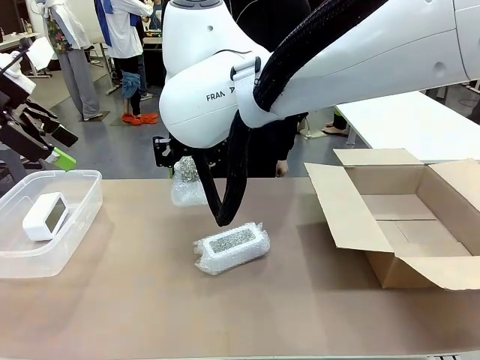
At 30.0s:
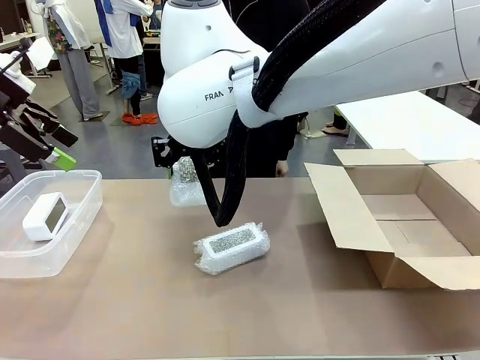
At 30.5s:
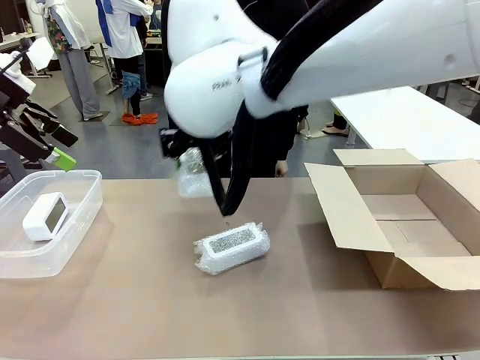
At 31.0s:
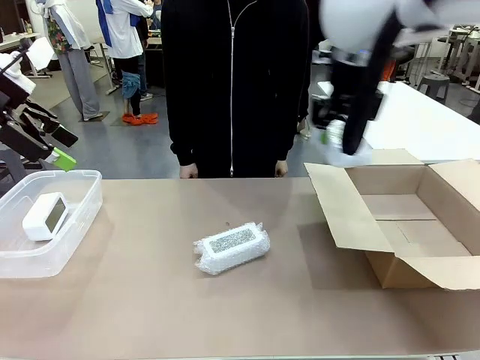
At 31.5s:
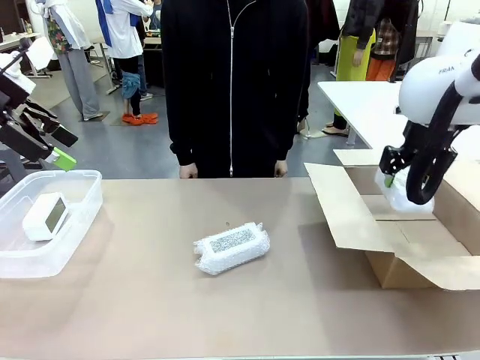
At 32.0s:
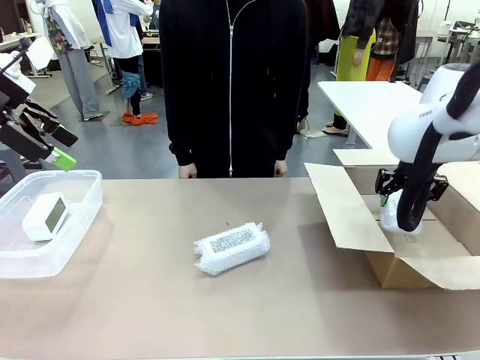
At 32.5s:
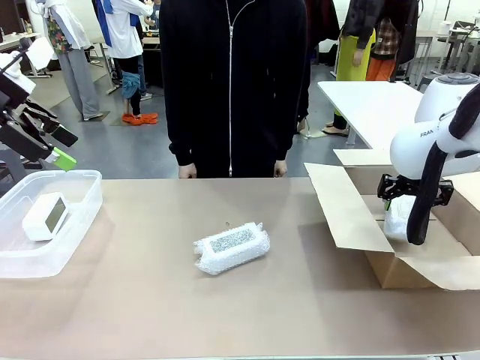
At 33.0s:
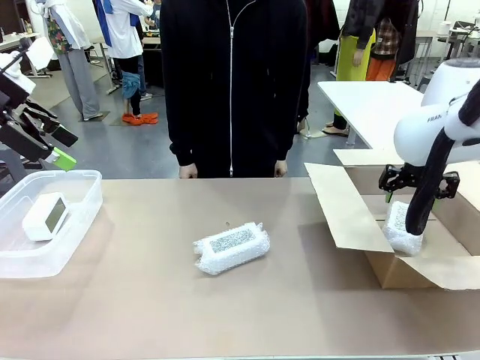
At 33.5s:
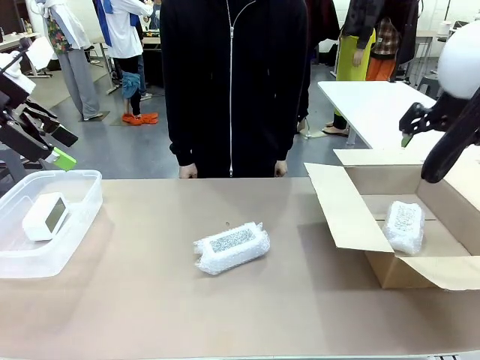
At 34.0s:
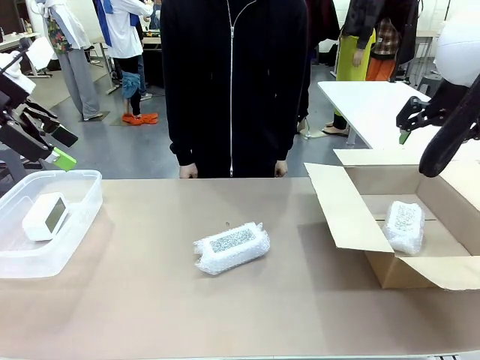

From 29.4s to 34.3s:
Task: Separate and place wrapped and unwrapped clocks.
Robot: If the picked Digital clock is wrapped, place it in the Package Box ; if not, place it in the Organizing box.

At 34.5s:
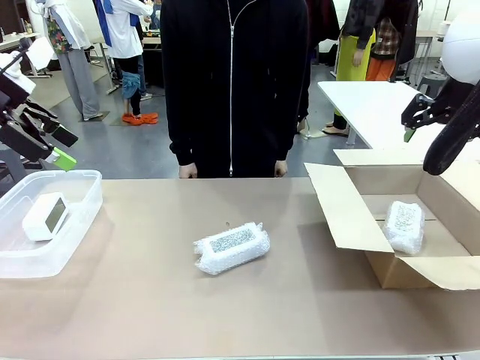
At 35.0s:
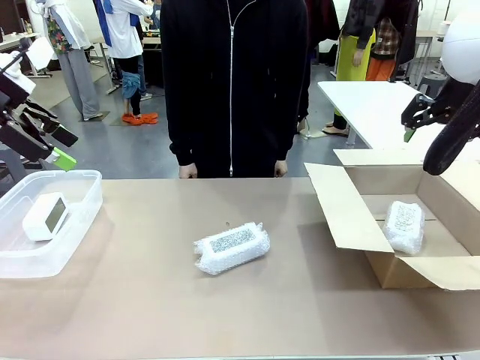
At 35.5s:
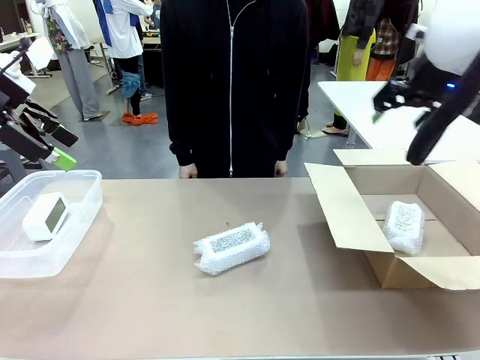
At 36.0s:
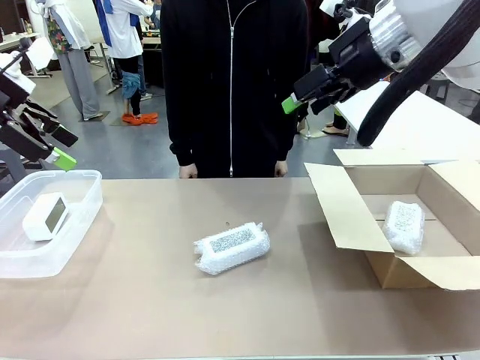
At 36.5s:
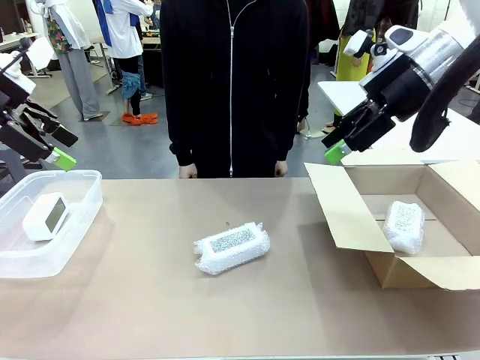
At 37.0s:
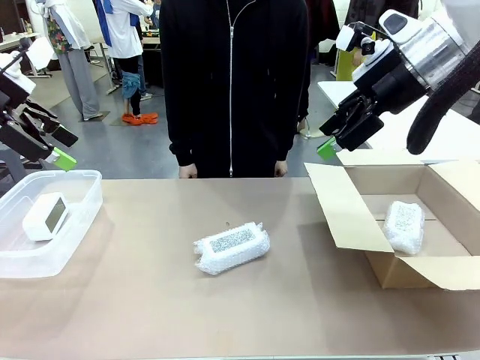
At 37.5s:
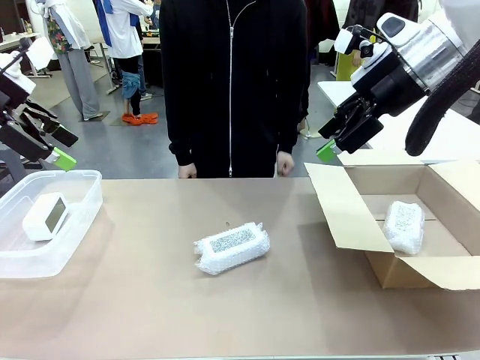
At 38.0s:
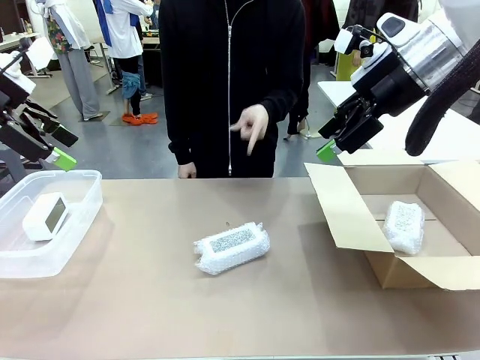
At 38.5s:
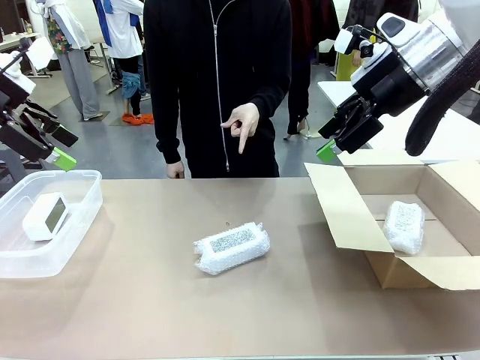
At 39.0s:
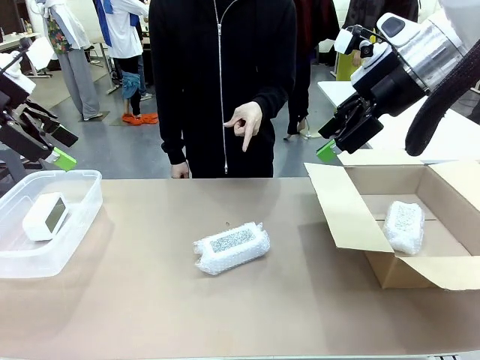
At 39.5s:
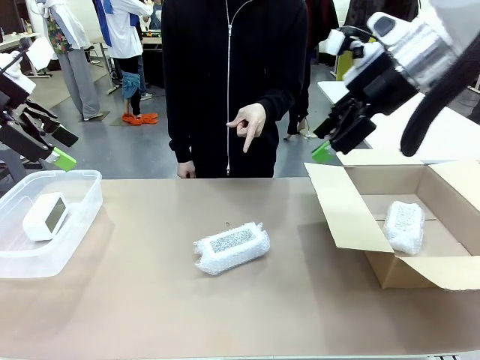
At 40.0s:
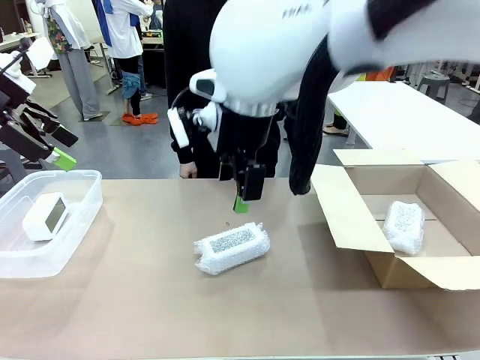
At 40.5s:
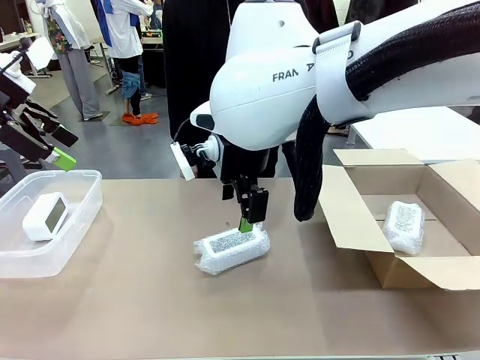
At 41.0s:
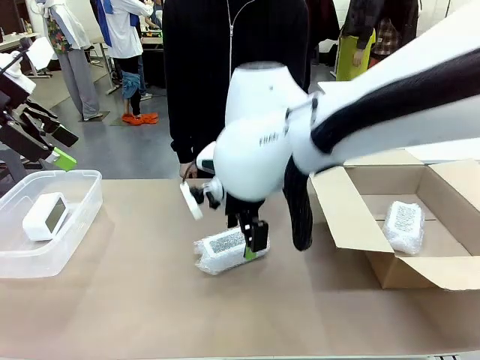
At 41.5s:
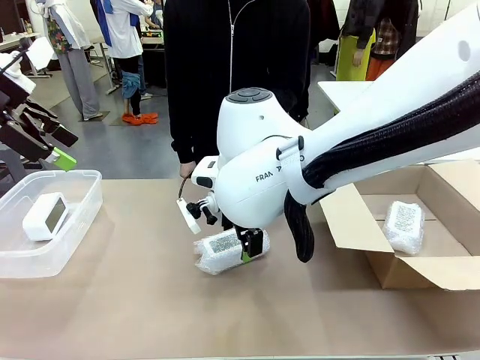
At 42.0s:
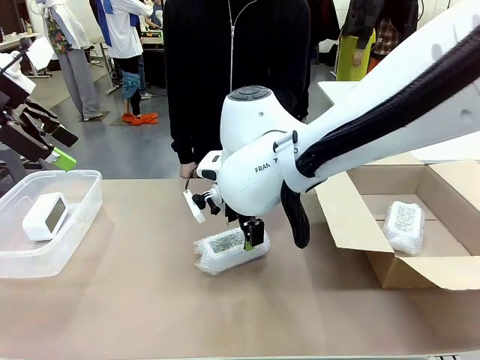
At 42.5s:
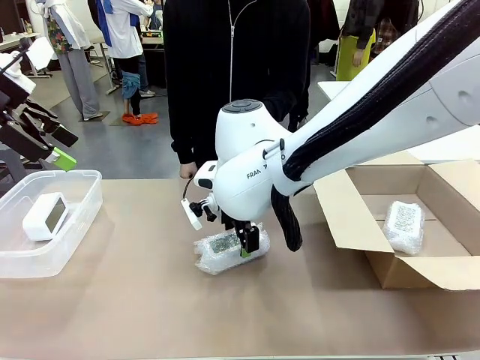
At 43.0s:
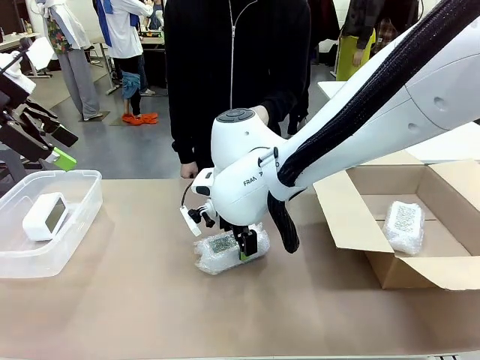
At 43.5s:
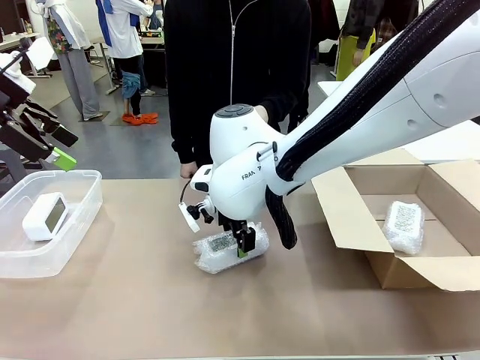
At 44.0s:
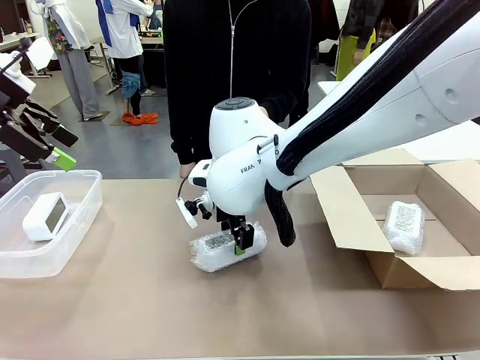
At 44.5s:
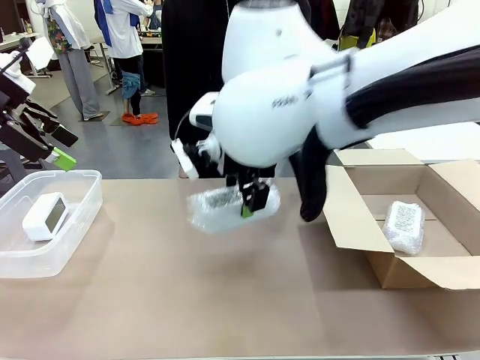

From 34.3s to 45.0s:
Robot: Pick up the Digital clock indicated by the person.

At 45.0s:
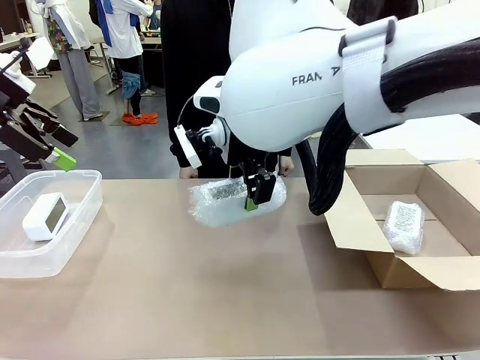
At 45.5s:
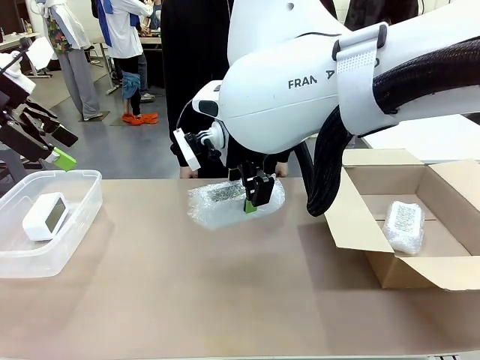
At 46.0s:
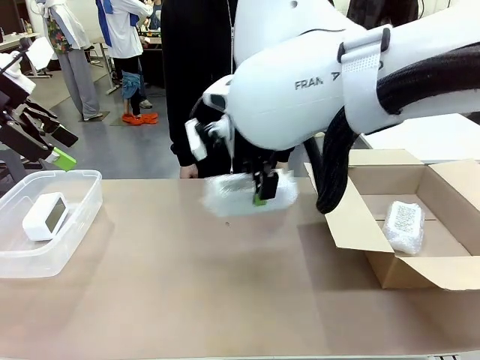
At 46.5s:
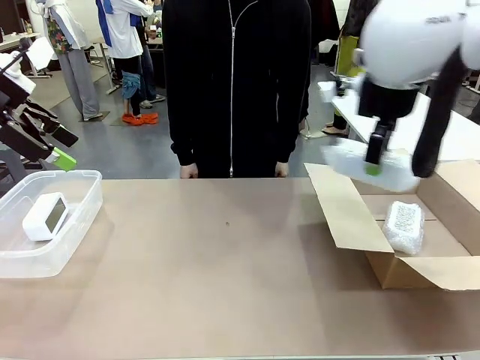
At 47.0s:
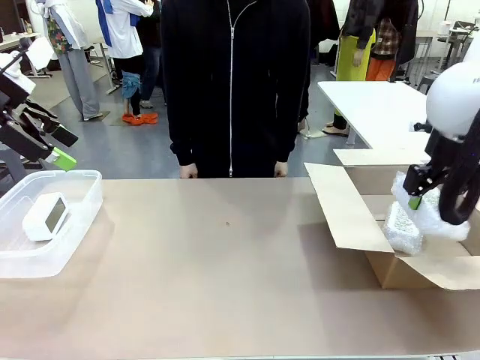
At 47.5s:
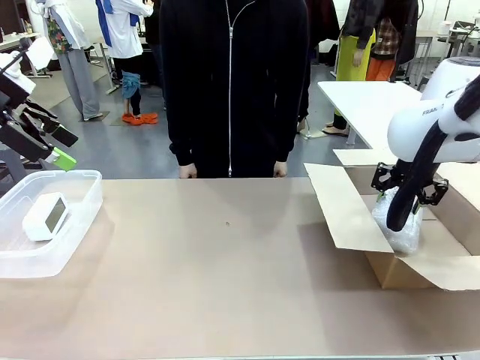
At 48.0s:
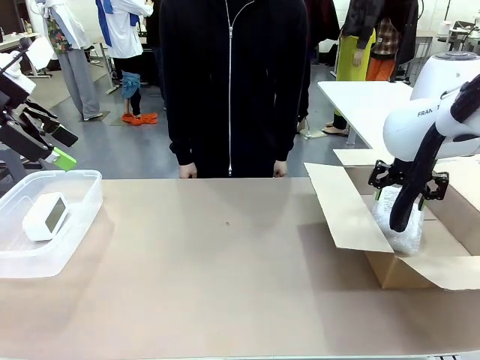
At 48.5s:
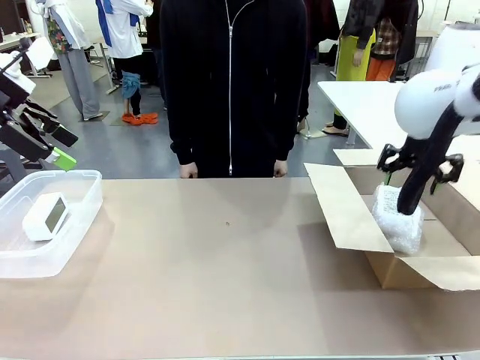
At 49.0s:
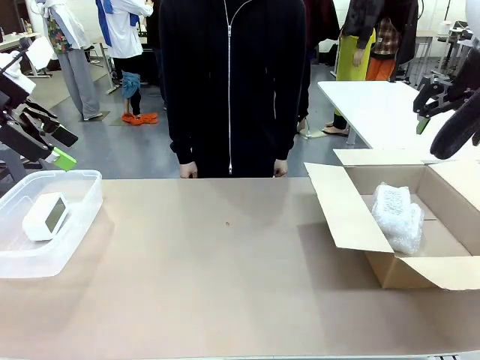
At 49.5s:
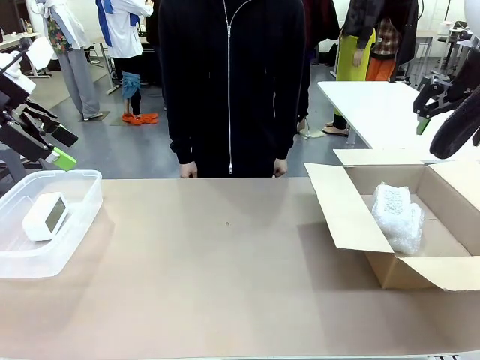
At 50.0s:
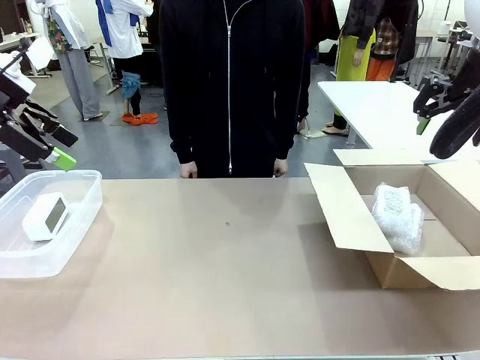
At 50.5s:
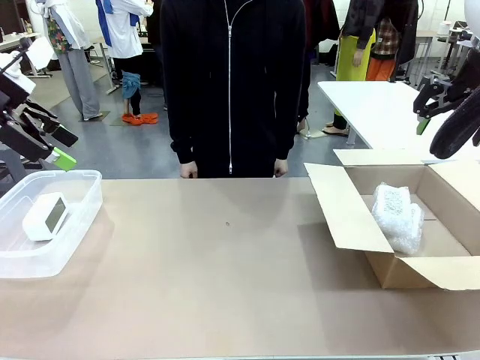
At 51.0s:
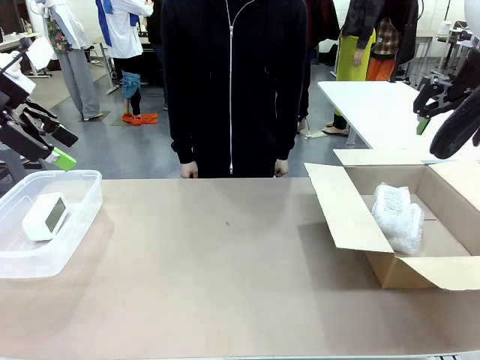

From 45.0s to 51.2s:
Robot: If the picked Digital clock is wrapped, place it in the Package Box ; if not, place it in the Organizing box.

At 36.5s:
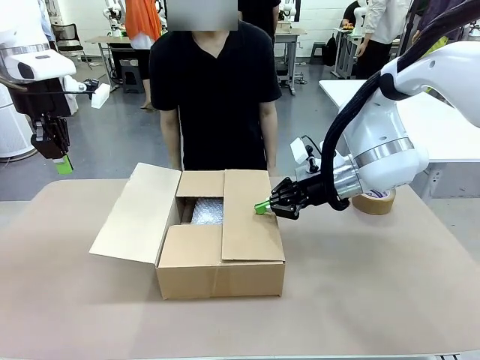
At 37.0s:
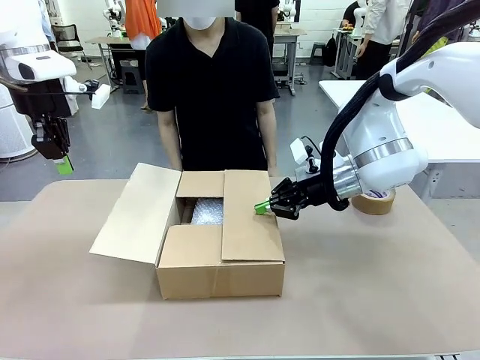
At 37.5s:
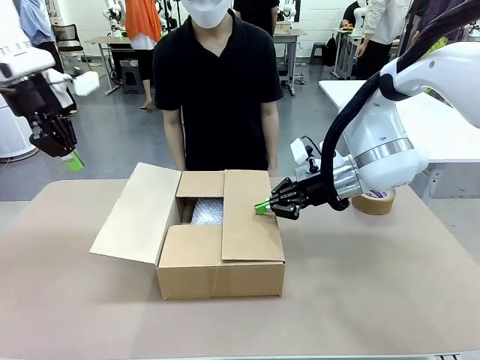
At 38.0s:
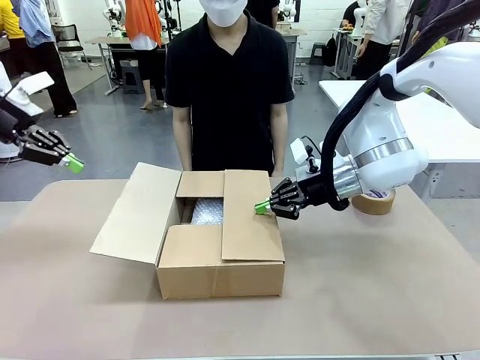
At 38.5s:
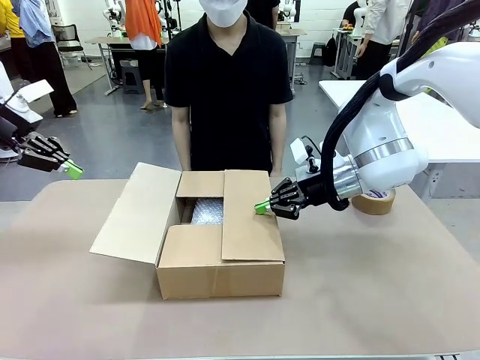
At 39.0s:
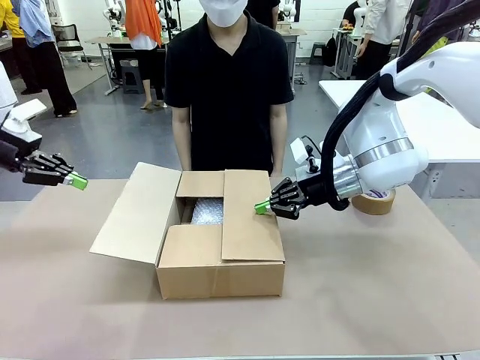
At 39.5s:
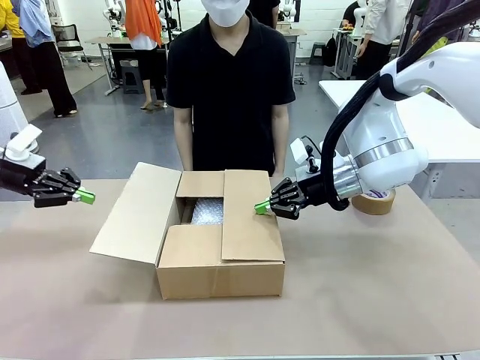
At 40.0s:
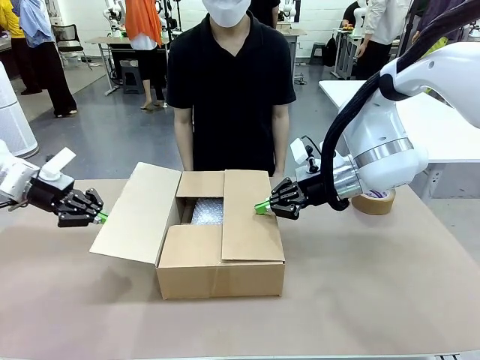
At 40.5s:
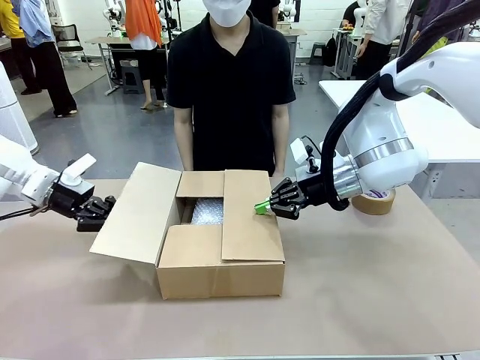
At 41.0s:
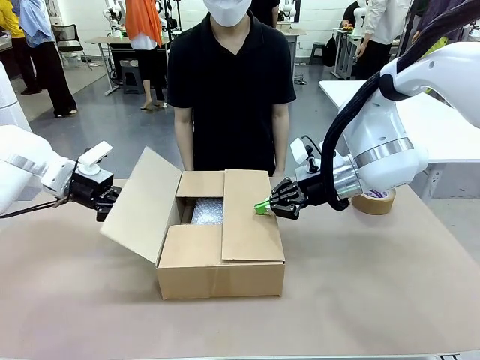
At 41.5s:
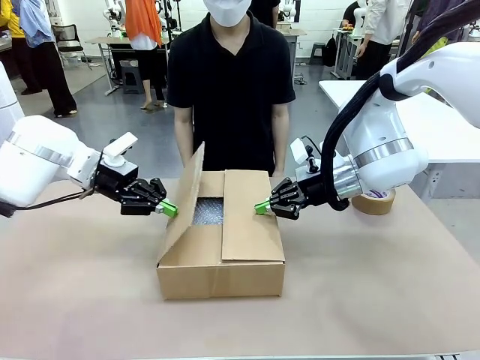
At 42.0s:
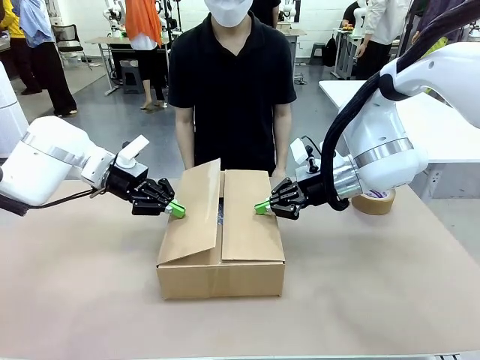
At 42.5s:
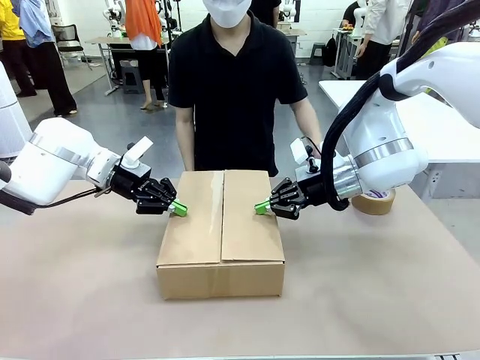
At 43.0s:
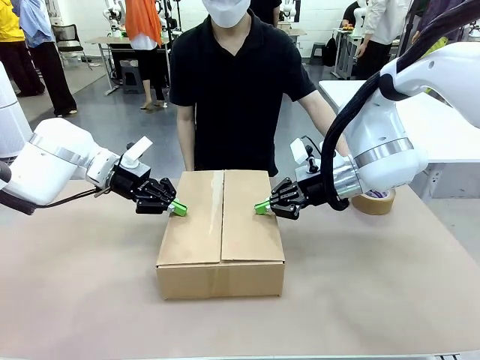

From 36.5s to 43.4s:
Task: Wrap the clocks to prevent damage.
Robot: Push the left (or right) flap of the Package Box to close it.
